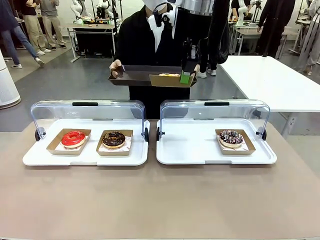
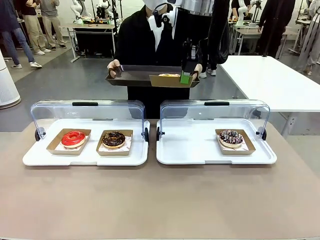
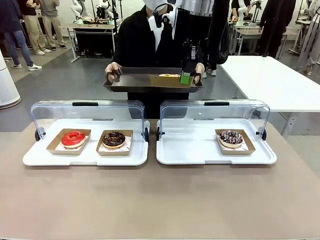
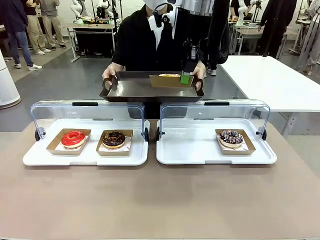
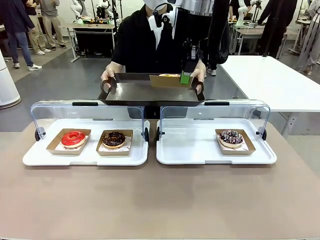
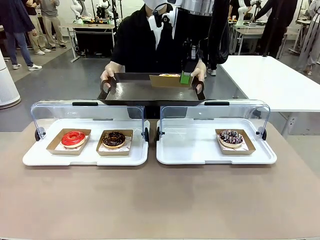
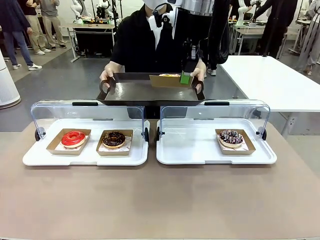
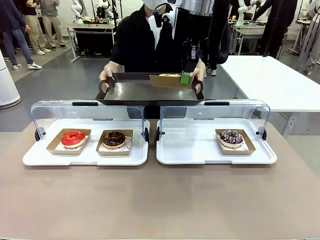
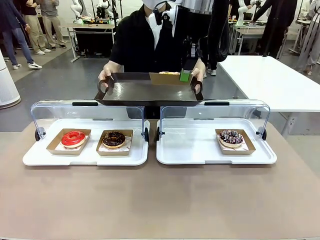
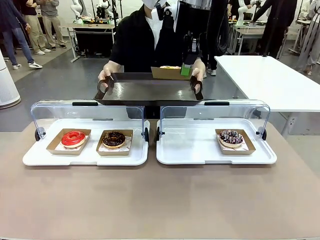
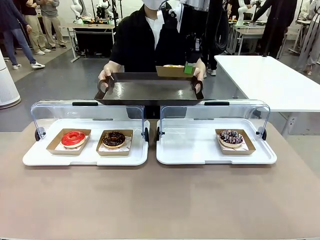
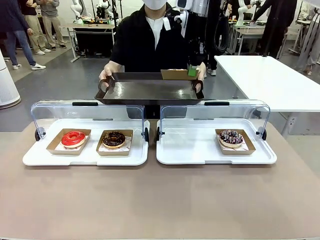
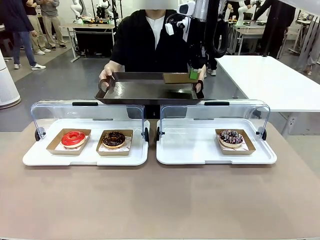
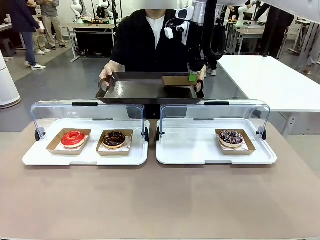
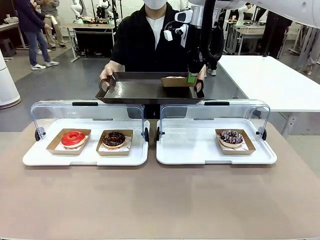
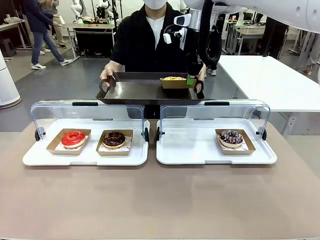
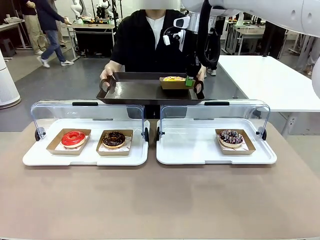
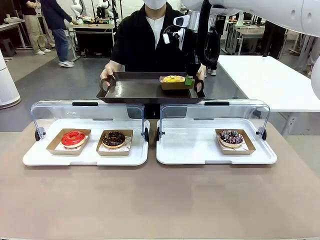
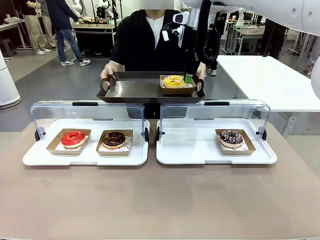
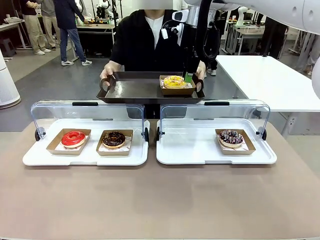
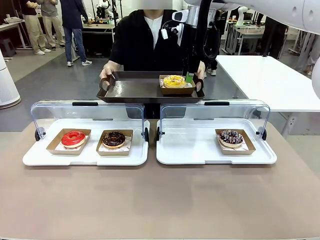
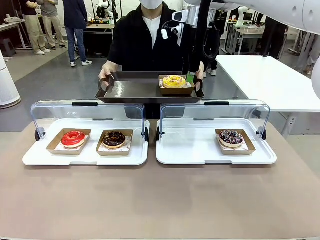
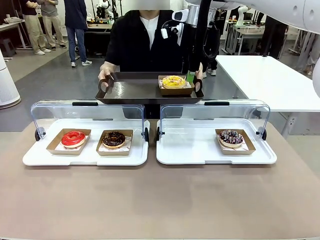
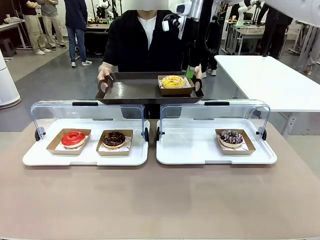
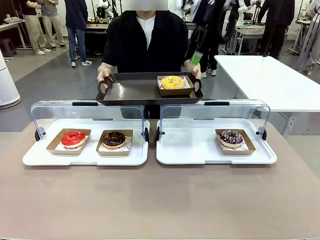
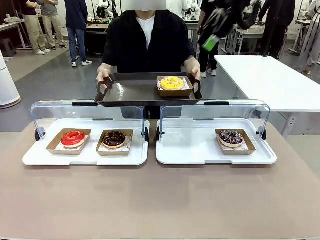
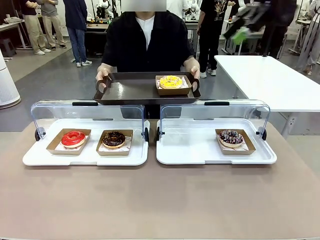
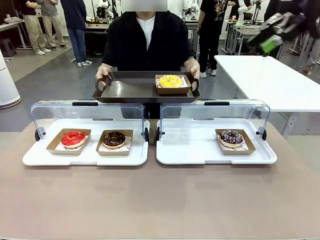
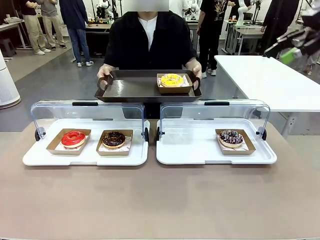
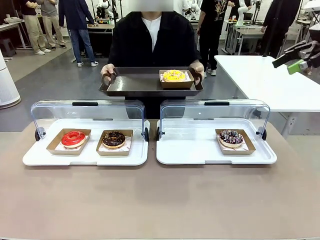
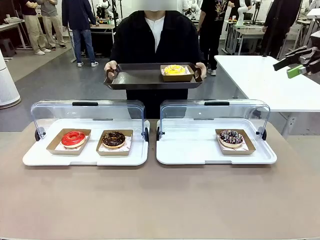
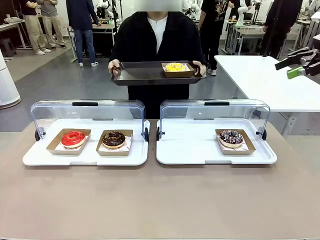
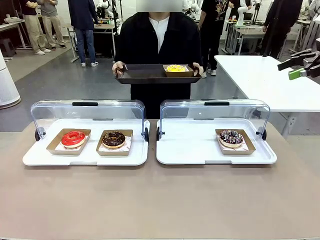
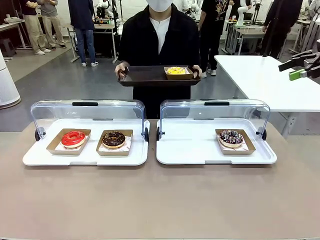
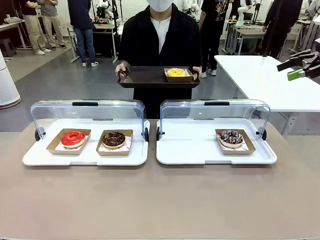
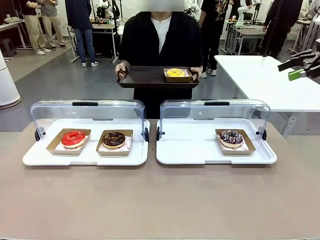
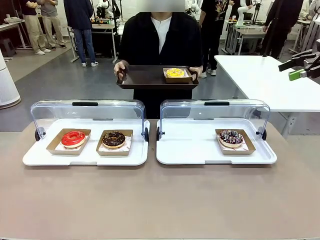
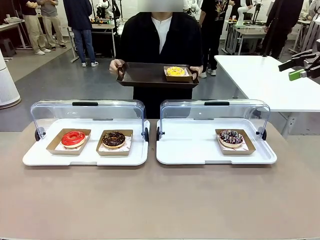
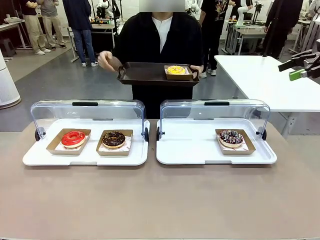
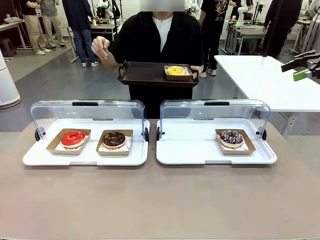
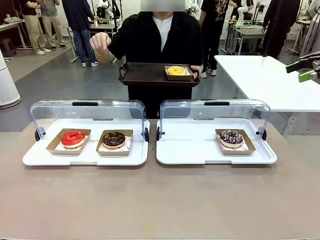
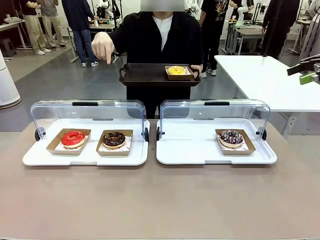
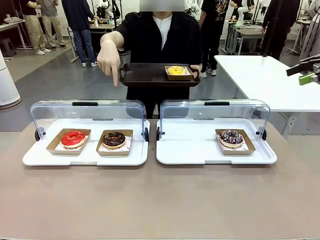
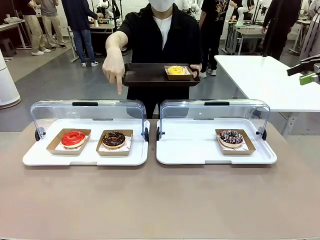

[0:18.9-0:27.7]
Task: Provide the desired donut to the person.
Robot: Place the picked Paper togo box onto the Handle tray extended by the person.
Person: Point to one donut.

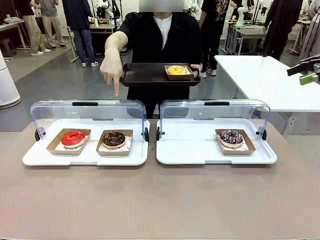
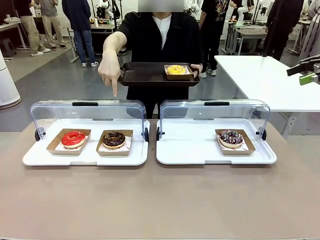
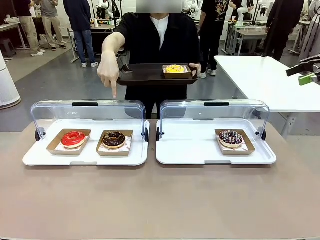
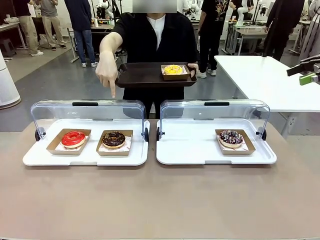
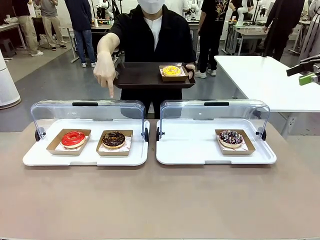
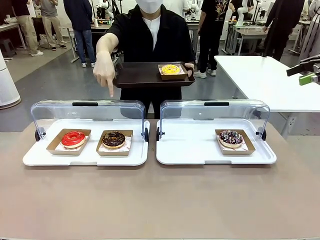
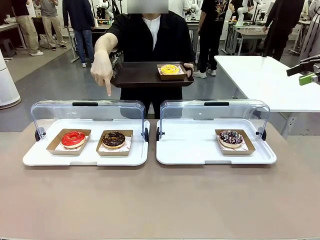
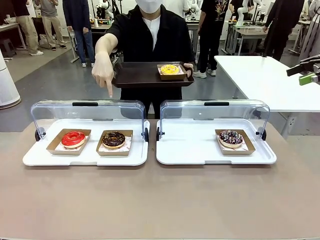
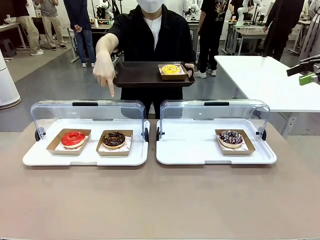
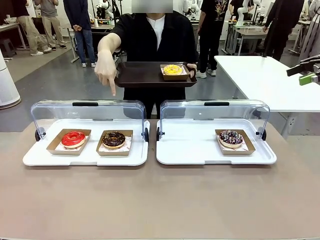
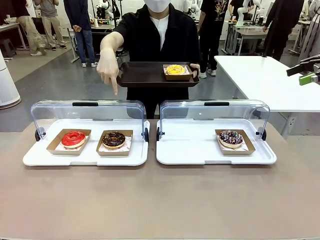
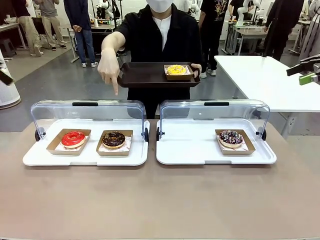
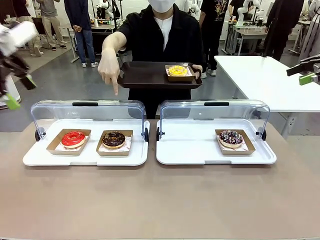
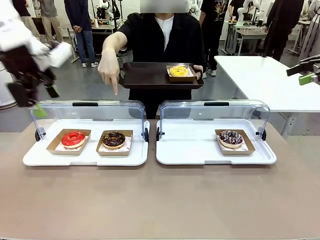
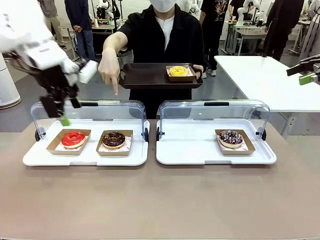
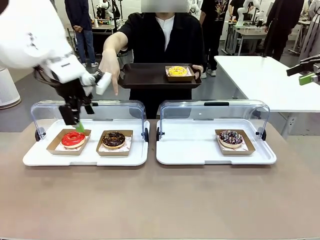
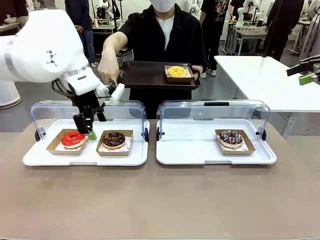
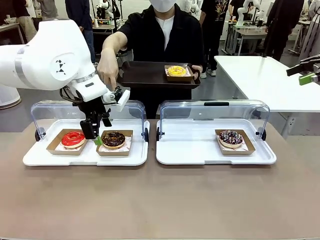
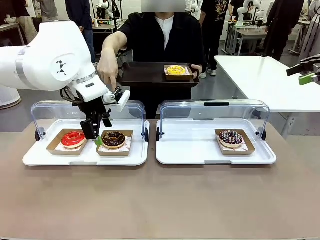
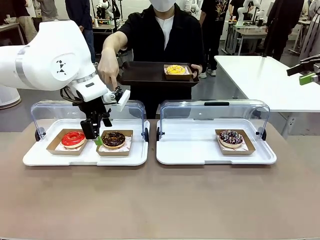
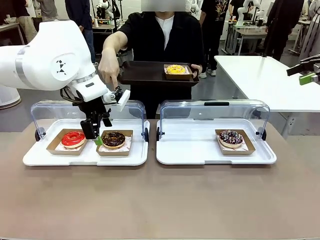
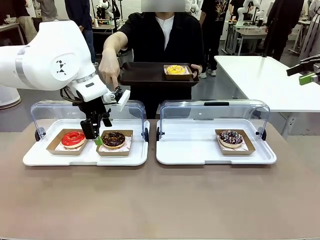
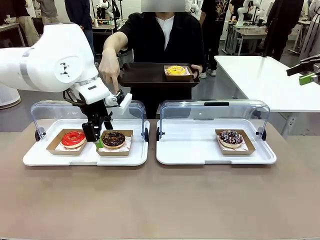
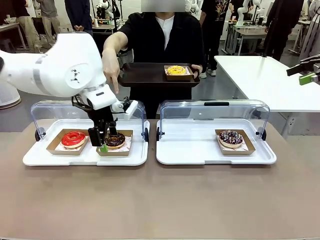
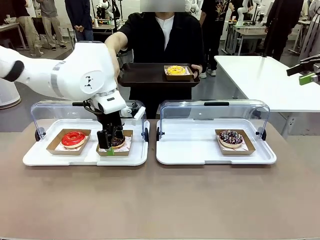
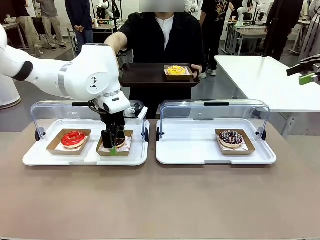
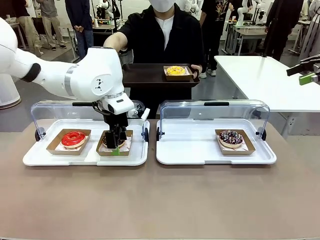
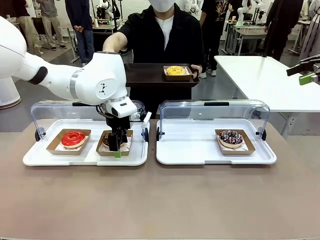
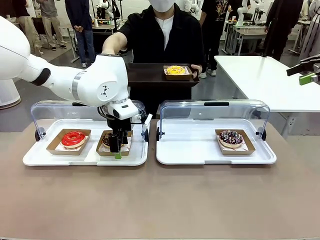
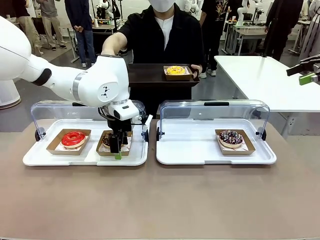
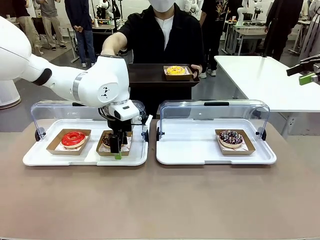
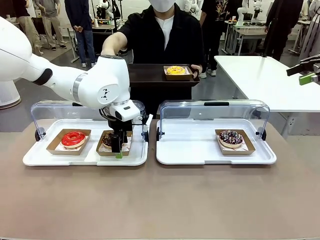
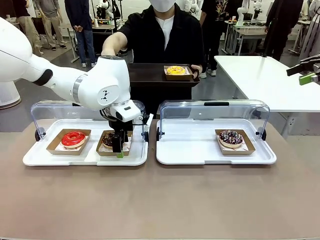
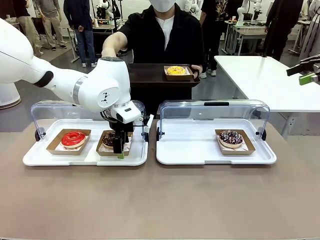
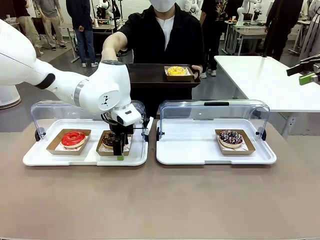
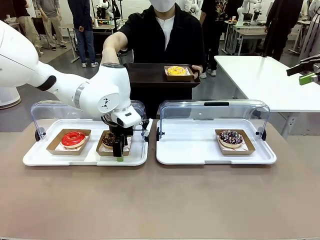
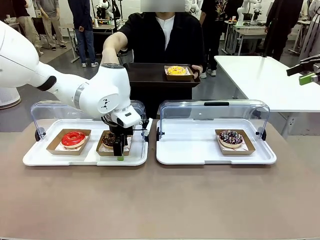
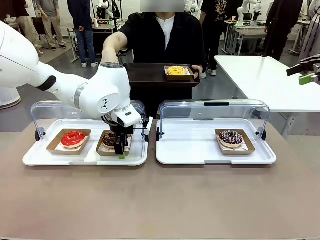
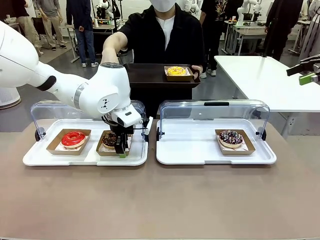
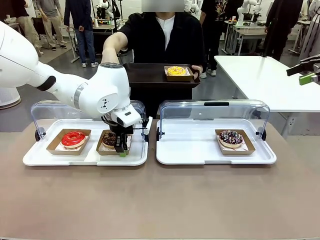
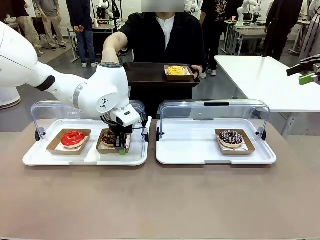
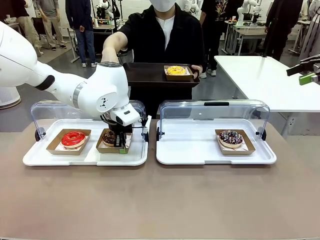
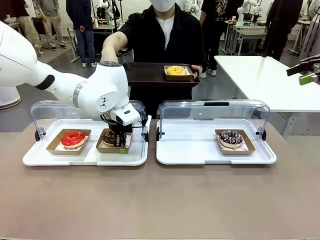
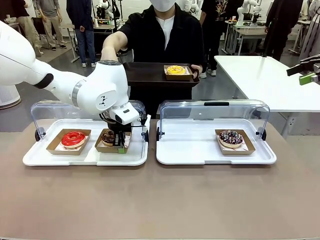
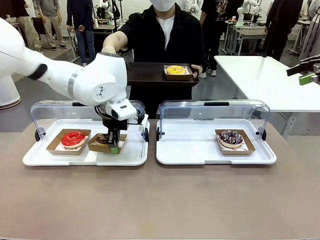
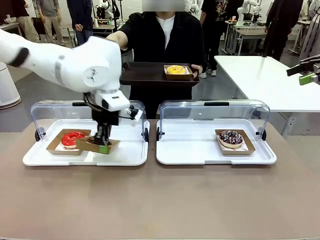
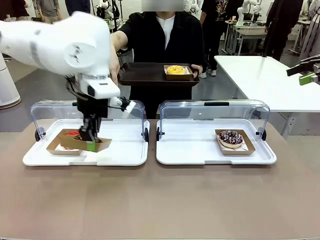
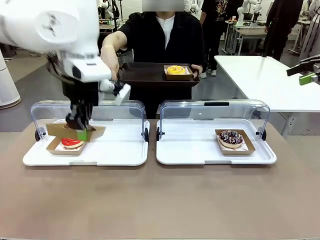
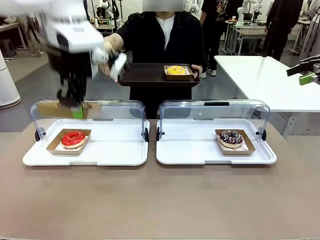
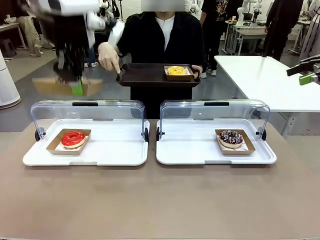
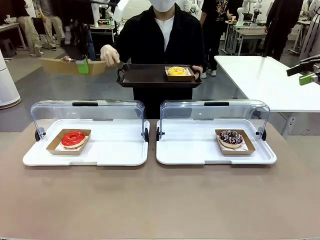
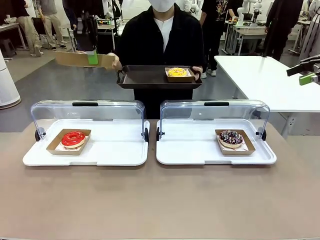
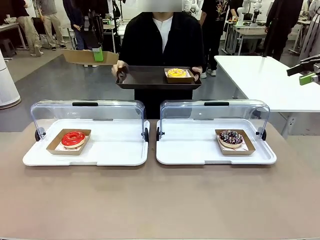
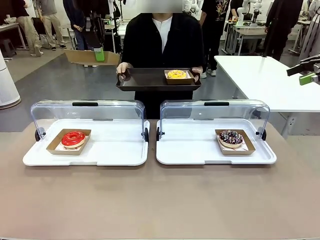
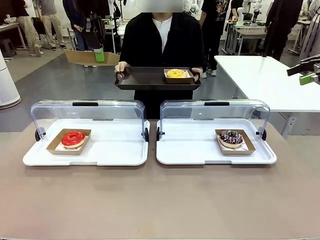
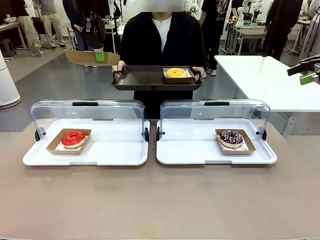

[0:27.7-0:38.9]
Robot: Pick up and lift the Paper togo box containing the Donut pointed at by the person.
Person: Lift the tray onto the Roll-Top Bakery Case.
